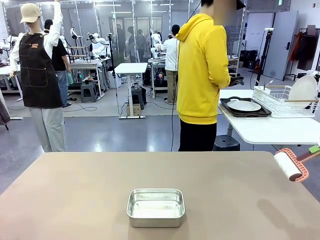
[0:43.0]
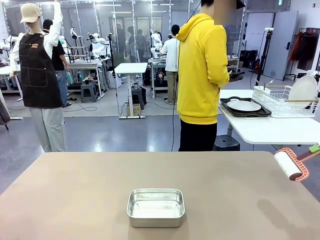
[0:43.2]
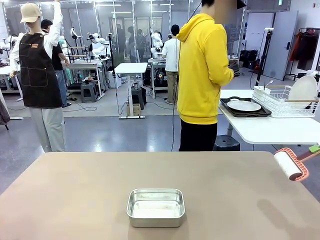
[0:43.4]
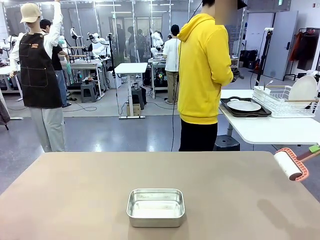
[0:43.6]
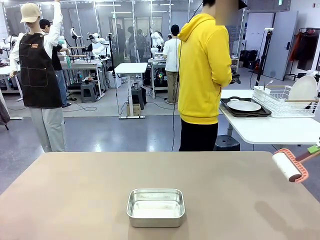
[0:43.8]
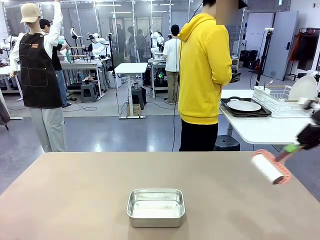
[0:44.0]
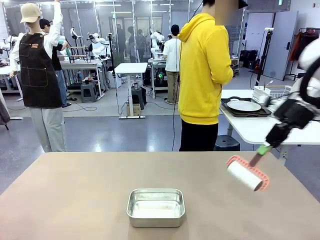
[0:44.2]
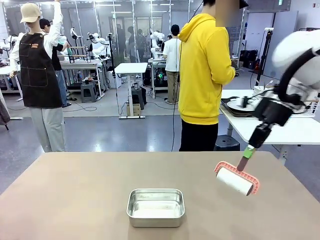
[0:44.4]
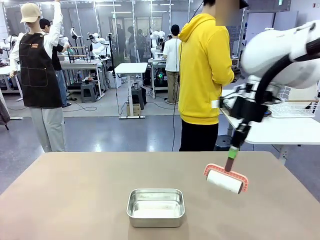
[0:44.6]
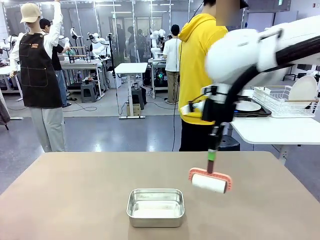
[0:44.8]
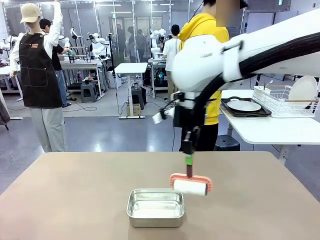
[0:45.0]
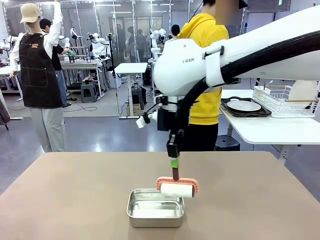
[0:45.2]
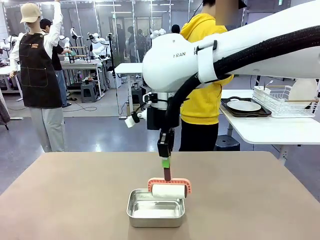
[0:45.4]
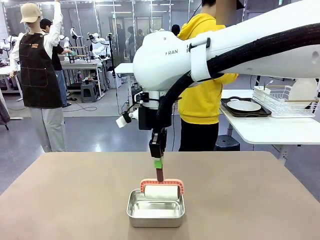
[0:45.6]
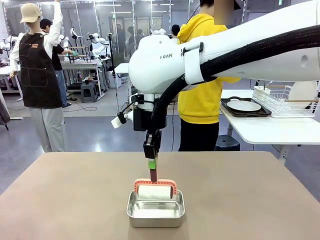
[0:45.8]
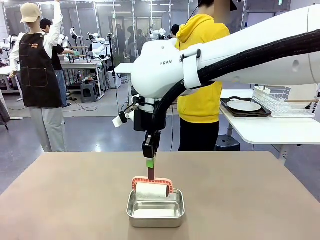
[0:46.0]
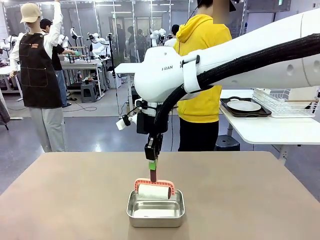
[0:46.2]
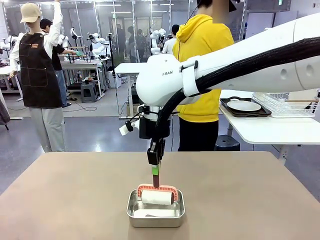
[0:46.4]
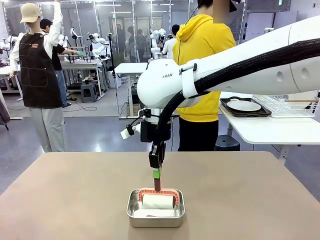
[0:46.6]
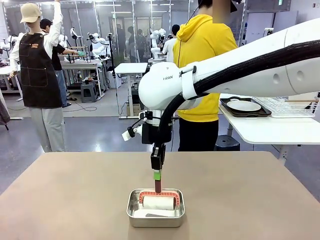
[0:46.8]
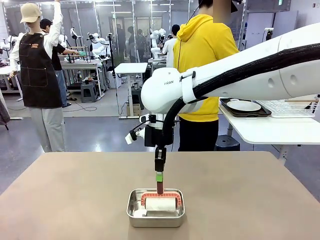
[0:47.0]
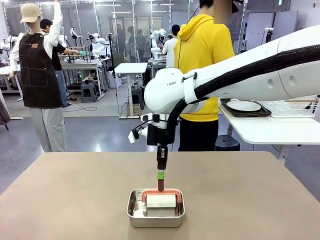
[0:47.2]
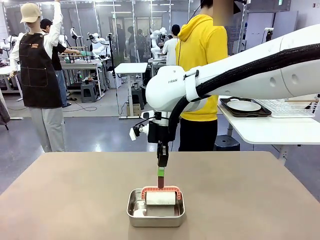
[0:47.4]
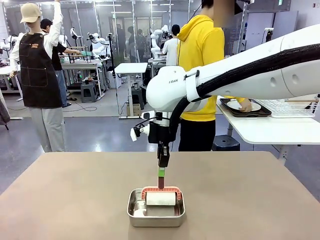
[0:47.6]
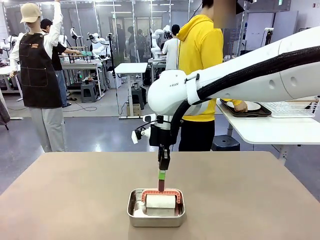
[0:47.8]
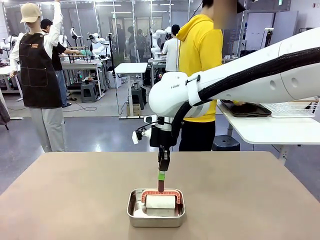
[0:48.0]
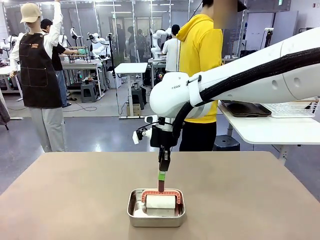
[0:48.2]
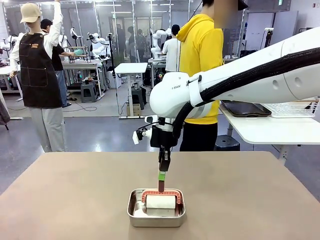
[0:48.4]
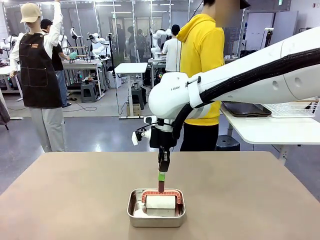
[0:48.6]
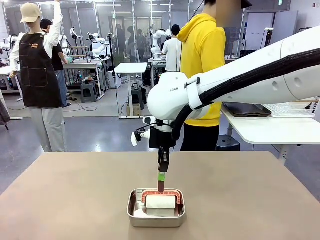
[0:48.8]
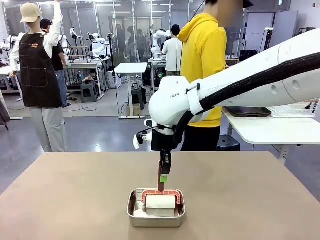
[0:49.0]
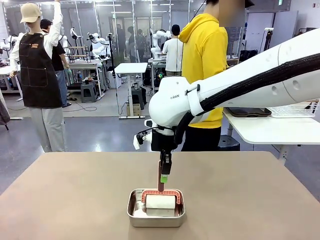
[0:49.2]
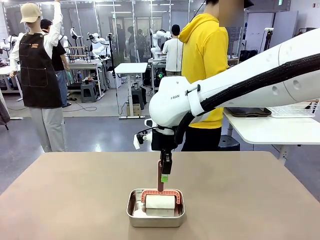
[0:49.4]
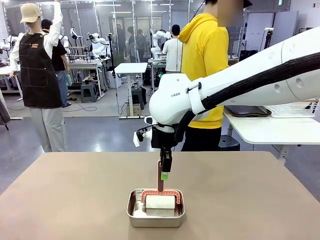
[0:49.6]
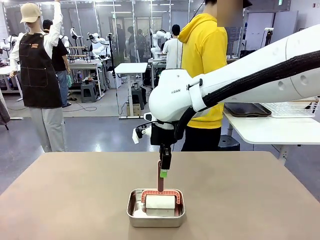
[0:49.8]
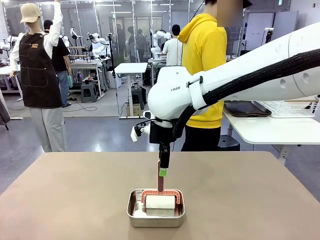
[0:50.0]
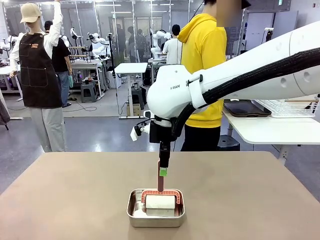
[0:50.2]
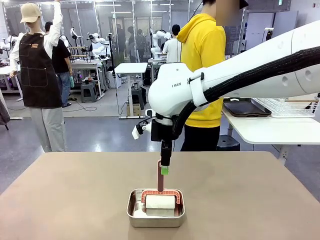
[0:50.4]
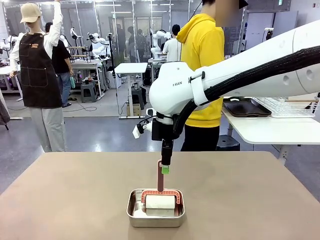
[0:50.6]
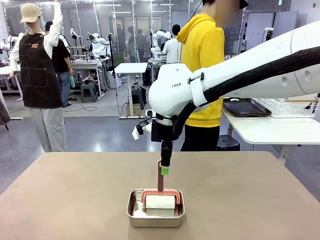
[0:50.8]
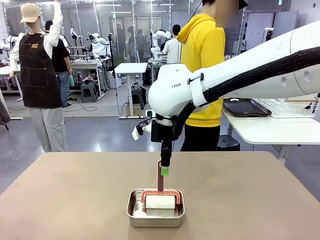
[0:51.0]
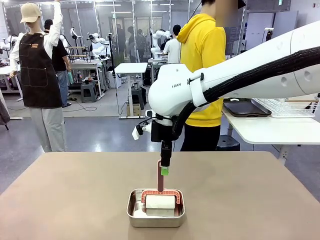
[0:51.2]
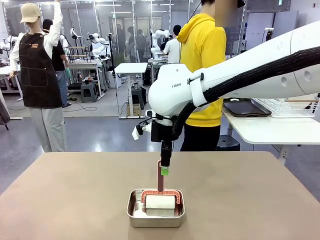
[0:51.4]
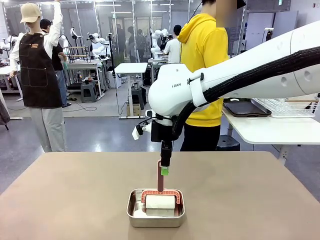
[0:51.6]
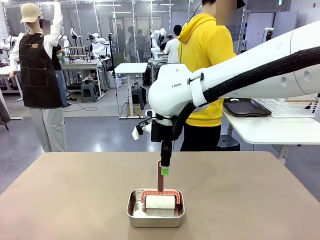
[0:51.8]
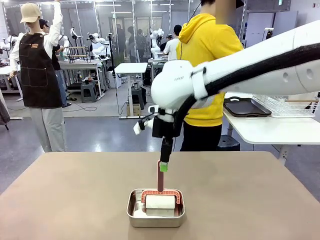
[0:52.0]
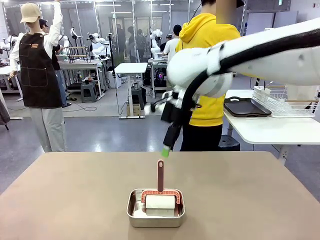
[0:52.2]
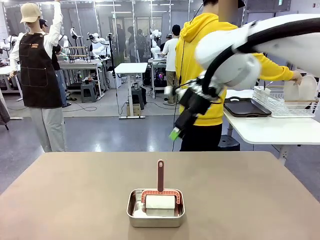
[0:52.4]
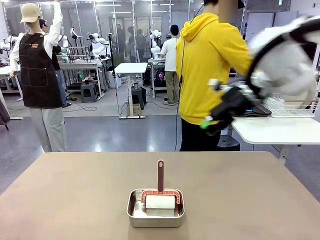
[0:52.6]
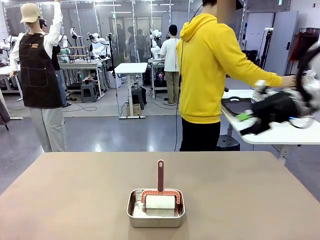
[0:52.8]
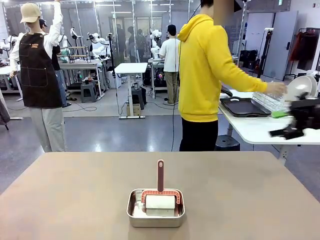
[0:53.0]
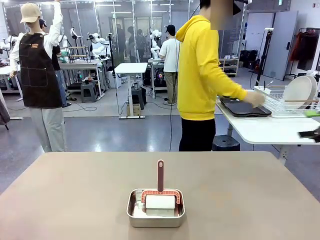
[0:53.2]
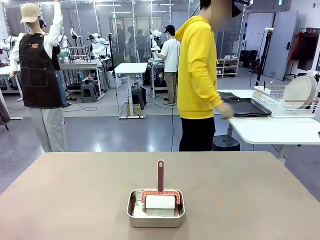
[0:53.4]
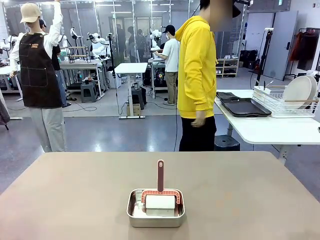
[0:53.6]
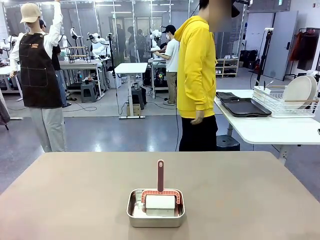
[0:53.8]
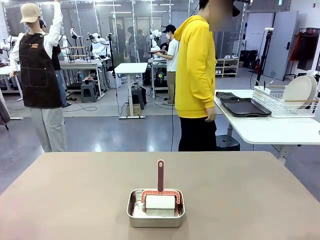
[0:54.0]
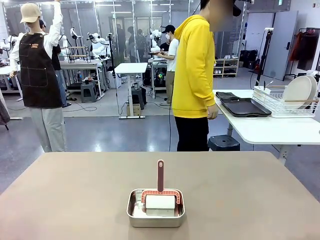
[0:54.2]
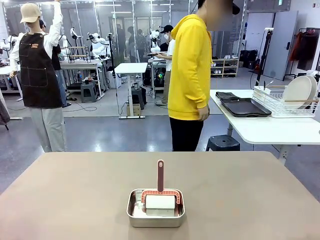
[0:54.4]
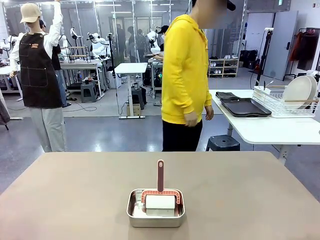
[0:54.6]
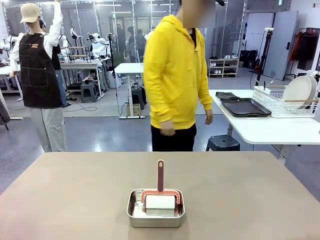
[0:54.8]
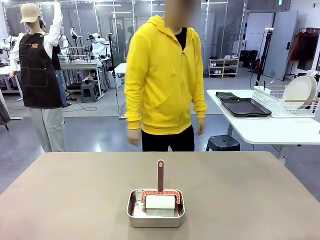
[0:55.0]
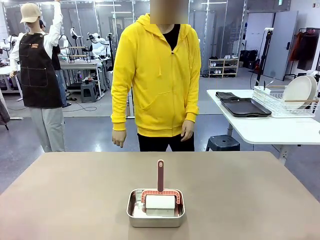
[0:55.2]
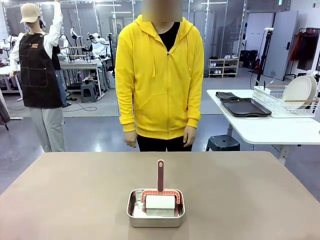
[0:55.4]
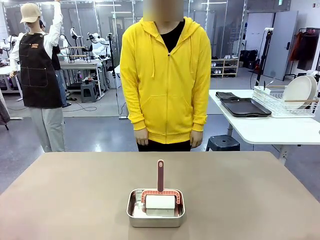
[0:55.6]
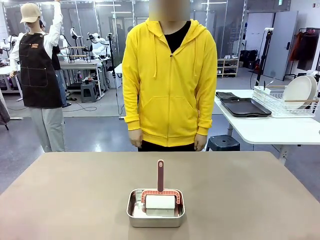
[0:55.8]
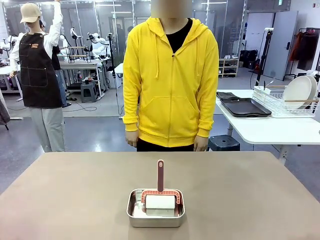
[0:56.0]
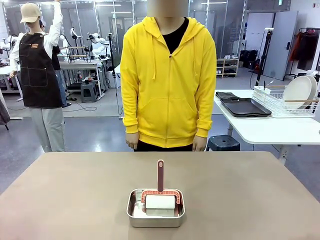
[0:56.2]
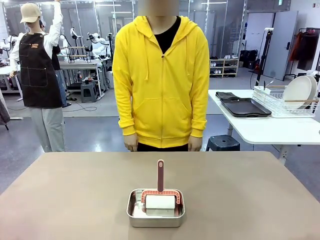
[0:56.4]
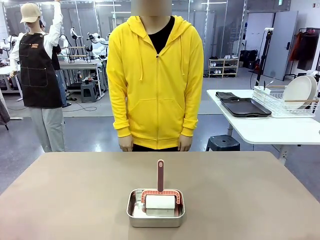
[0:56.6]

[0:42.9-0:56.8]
Robot: Place the Lint Roller back on top of the Airtight Container.
Person: Use the Towel with hook to wipe the Plastic Matte Plate , Fork , and Knife and place into the Dish drying rack.

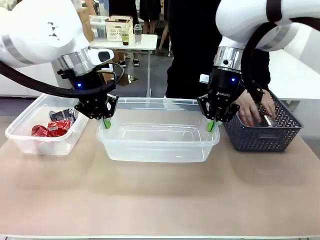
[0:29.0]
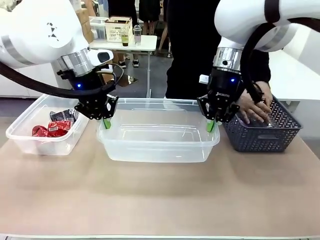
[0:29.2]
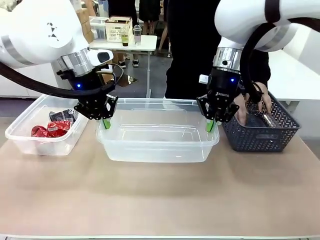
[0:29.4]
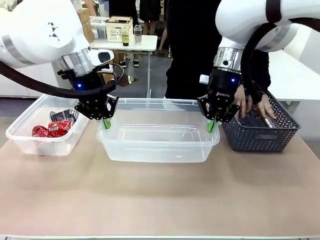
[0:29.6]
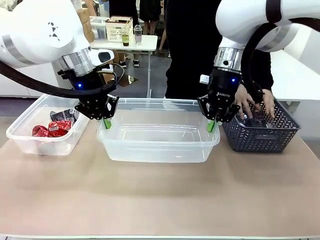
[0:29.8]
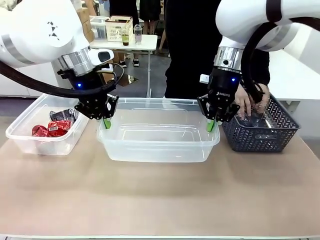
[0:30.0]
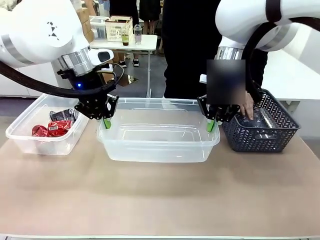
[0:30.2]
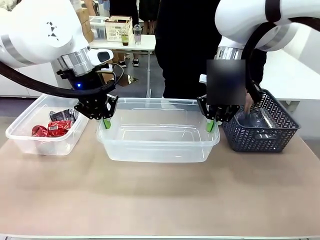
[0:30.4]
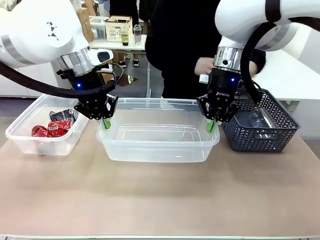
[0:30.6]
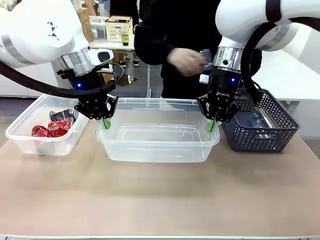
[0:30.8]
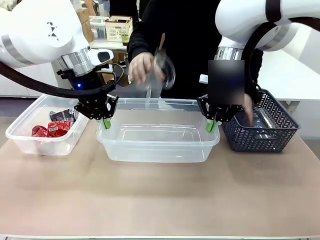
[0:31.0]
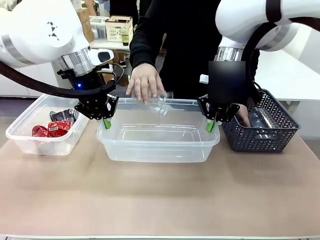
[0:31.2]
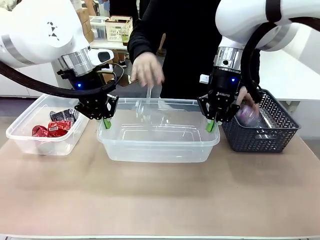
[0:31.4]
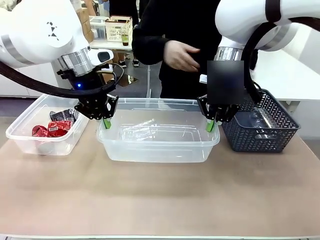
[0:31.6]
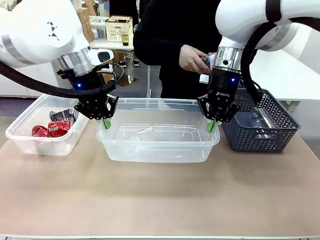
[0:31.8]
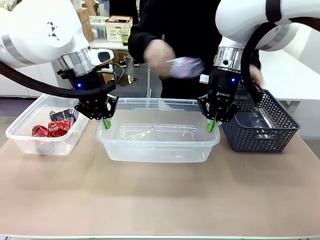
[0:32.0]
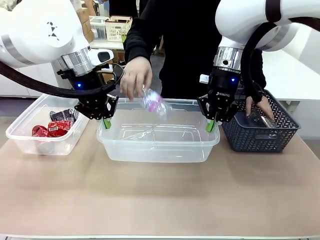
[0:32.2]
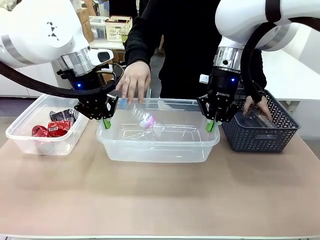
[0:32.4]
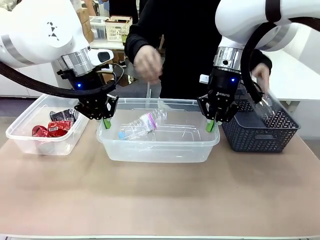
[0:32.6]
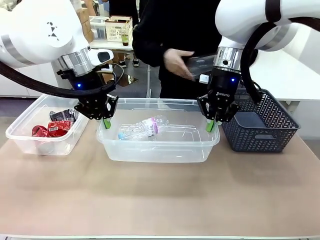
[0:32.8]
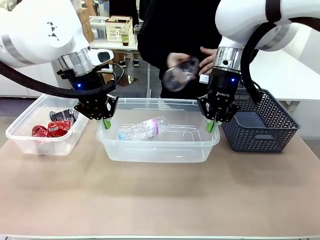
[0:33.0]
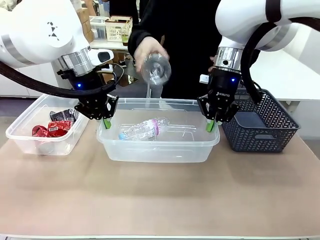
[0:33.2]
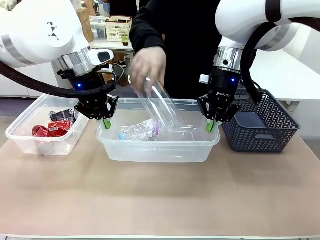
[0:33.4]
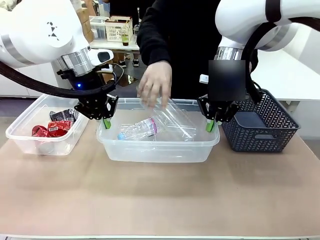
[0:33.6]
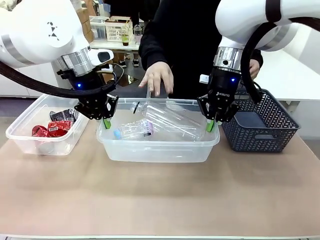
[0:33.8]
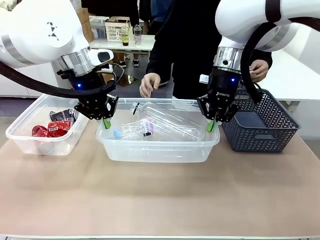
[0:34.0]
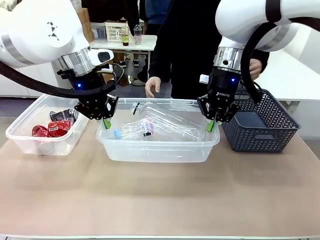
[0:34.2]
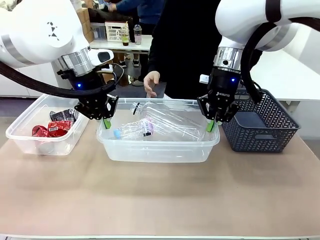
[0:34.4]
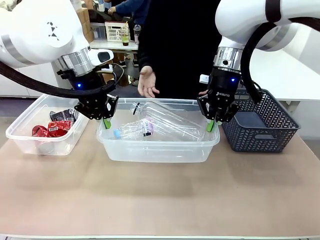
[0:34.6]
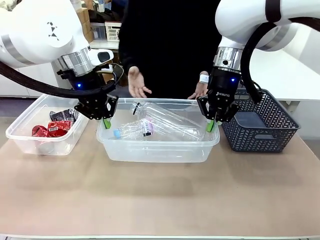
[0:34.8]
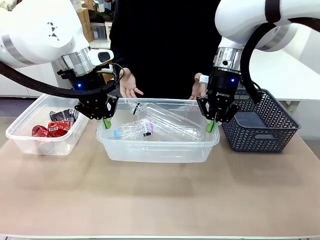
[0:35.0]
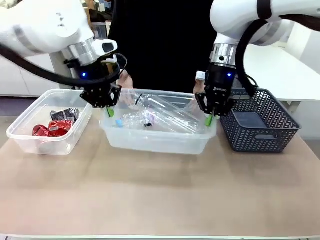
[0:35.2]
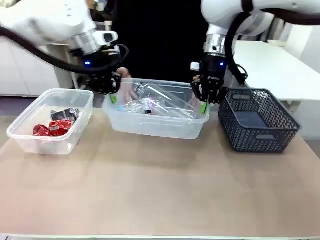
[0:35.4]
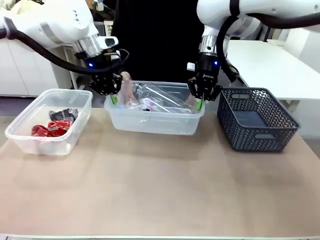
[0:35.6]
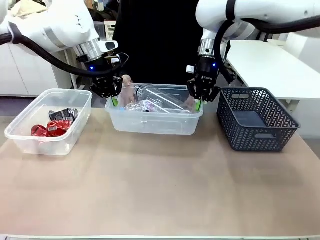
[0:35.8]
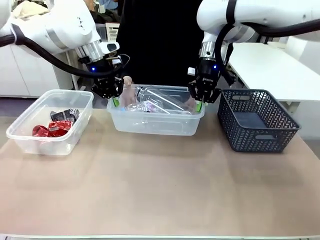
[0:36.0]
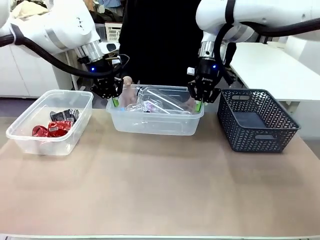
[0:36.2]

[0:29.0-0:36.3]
Robot: Offer the picked Organizing box to the human.
Person: Pick up plastic waste one by one and place it into the organizing box lifted by the robot. Pick up the organizing box extended by the robot.
